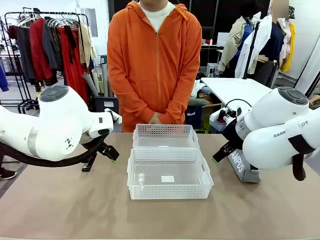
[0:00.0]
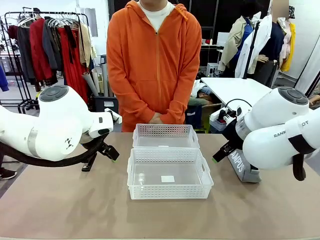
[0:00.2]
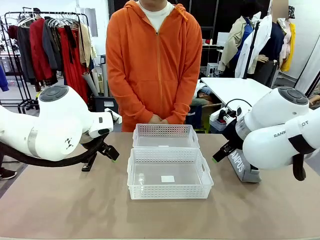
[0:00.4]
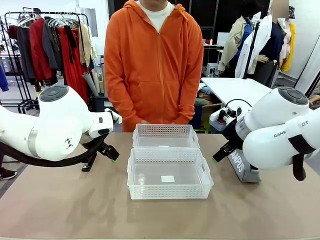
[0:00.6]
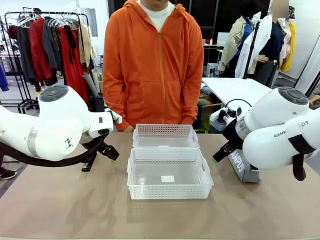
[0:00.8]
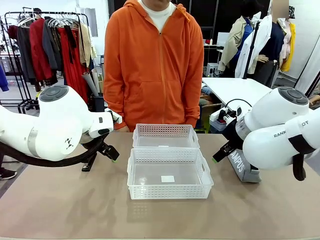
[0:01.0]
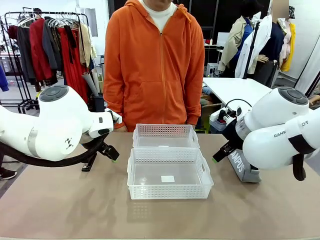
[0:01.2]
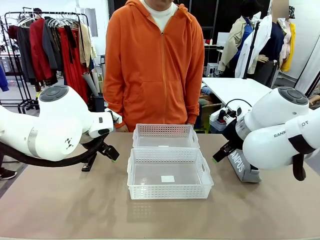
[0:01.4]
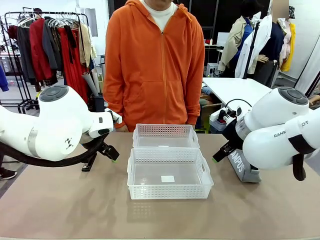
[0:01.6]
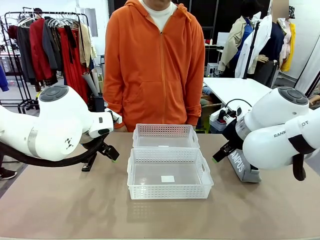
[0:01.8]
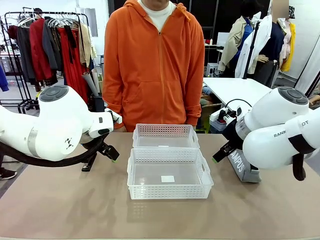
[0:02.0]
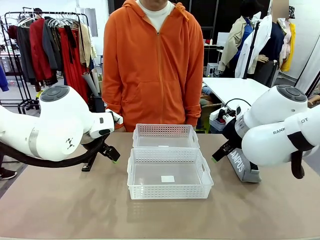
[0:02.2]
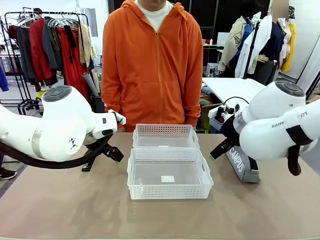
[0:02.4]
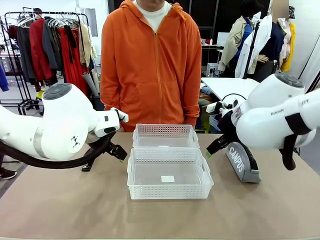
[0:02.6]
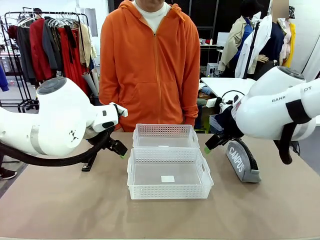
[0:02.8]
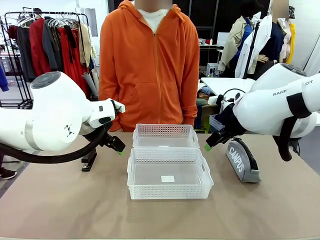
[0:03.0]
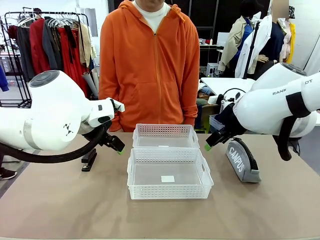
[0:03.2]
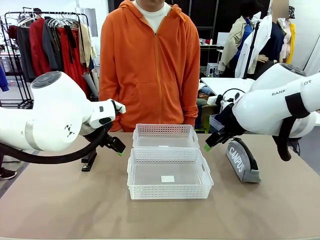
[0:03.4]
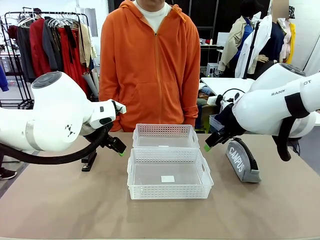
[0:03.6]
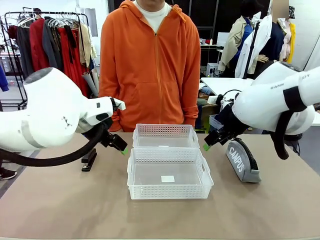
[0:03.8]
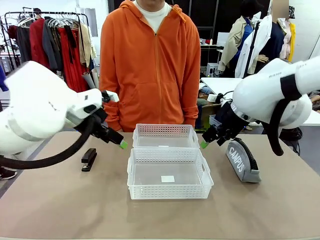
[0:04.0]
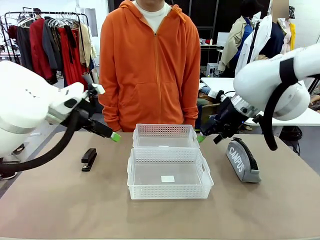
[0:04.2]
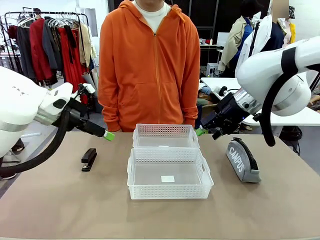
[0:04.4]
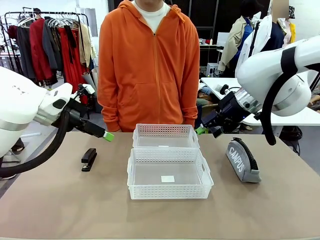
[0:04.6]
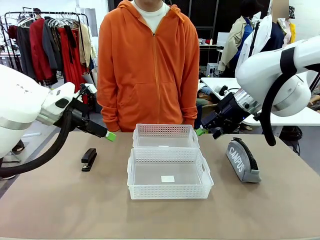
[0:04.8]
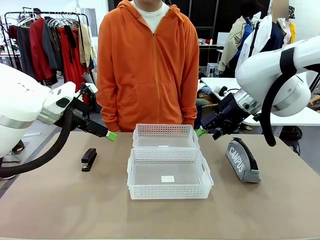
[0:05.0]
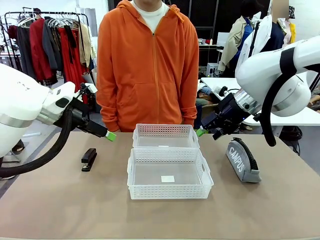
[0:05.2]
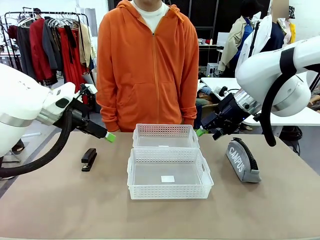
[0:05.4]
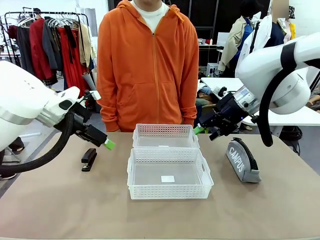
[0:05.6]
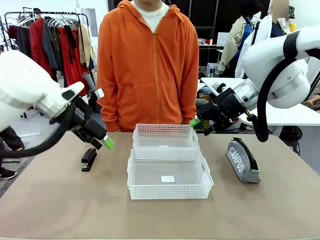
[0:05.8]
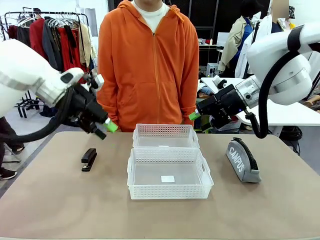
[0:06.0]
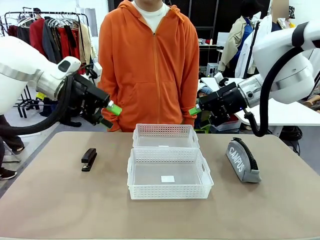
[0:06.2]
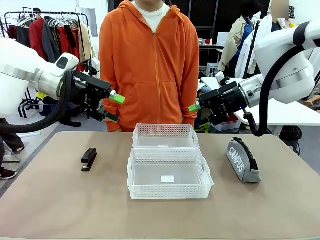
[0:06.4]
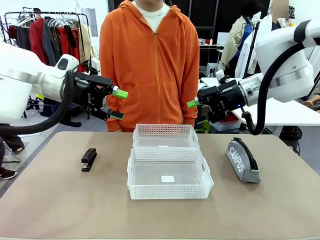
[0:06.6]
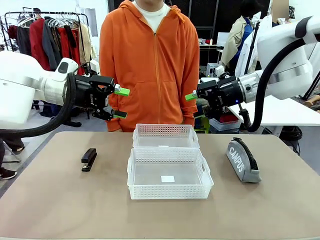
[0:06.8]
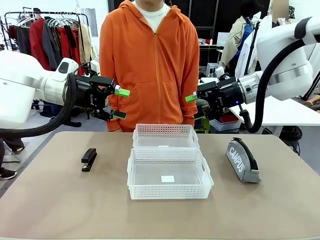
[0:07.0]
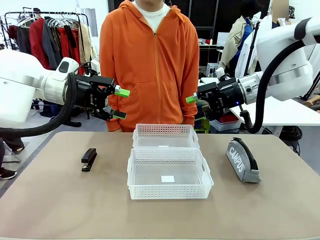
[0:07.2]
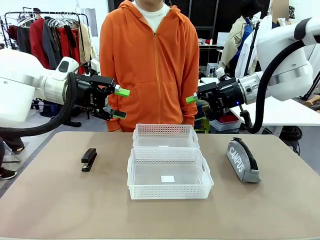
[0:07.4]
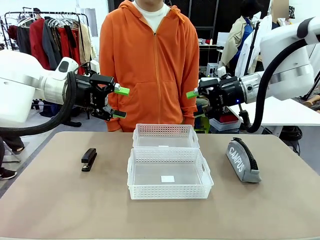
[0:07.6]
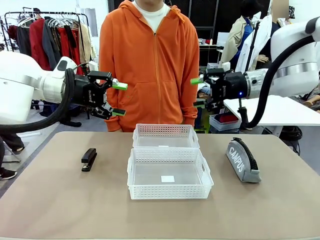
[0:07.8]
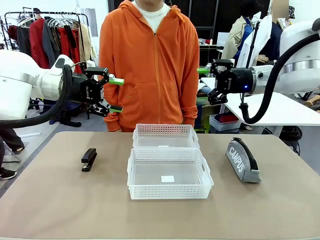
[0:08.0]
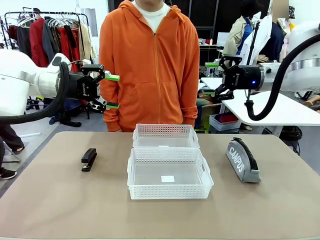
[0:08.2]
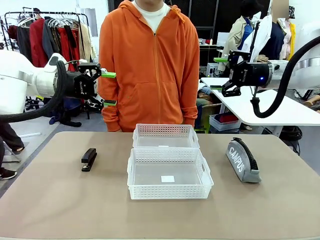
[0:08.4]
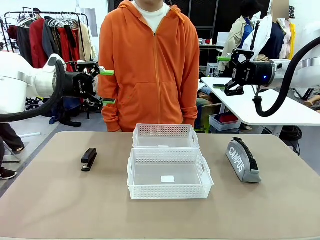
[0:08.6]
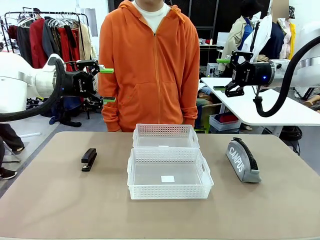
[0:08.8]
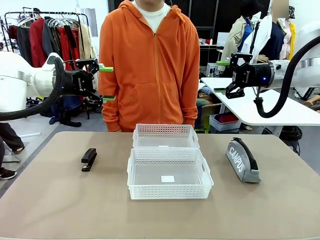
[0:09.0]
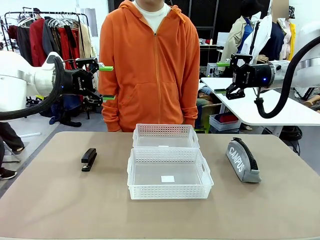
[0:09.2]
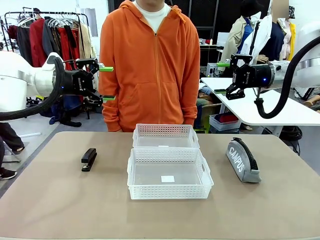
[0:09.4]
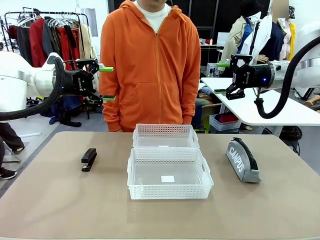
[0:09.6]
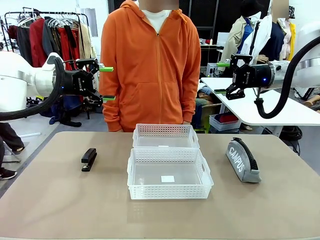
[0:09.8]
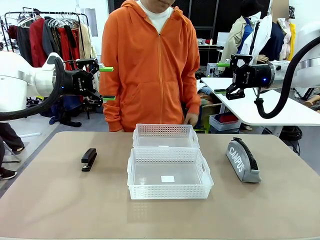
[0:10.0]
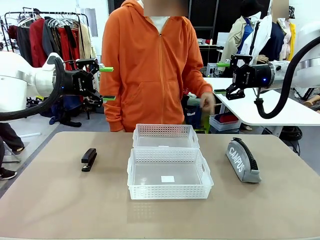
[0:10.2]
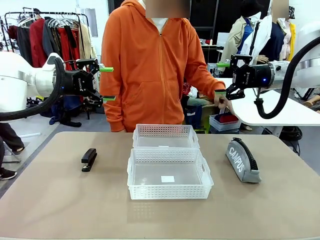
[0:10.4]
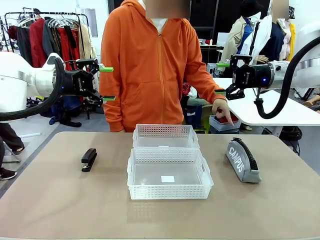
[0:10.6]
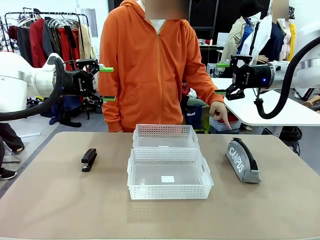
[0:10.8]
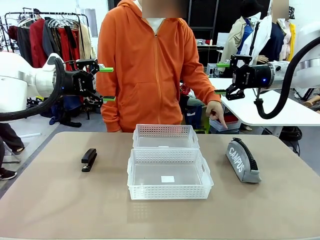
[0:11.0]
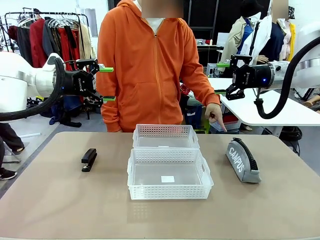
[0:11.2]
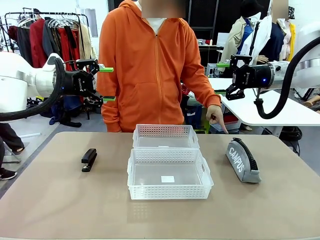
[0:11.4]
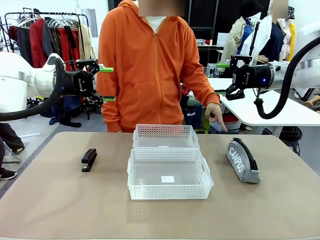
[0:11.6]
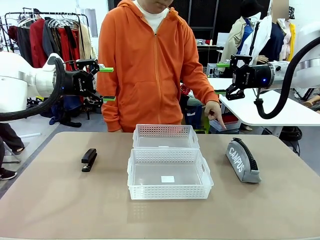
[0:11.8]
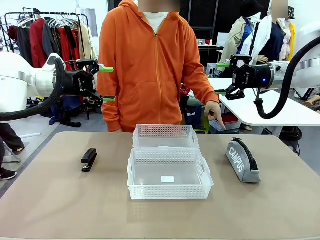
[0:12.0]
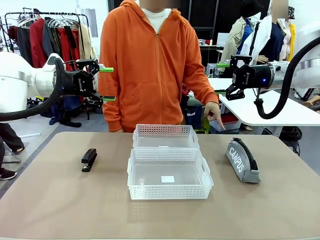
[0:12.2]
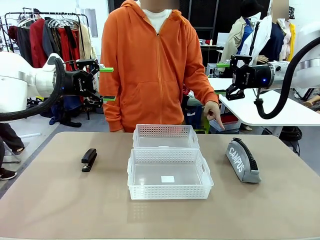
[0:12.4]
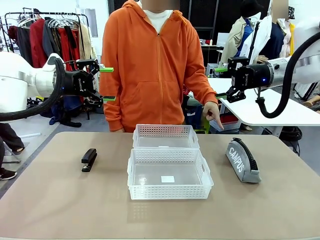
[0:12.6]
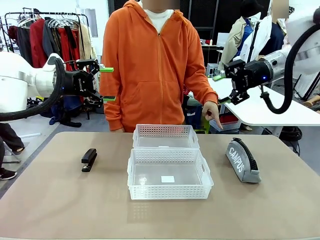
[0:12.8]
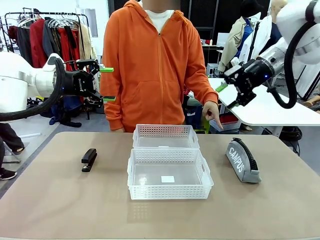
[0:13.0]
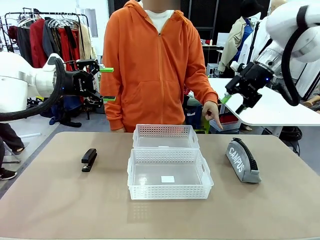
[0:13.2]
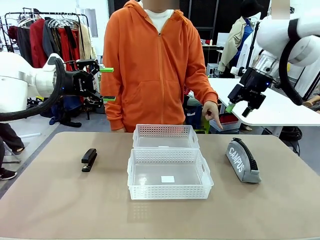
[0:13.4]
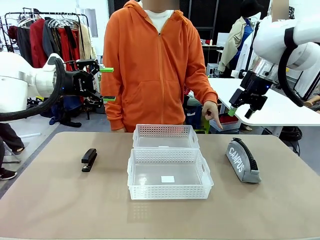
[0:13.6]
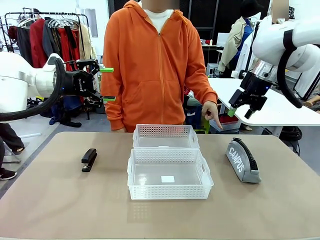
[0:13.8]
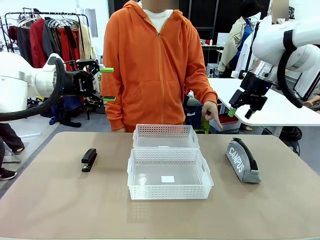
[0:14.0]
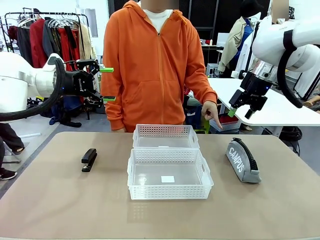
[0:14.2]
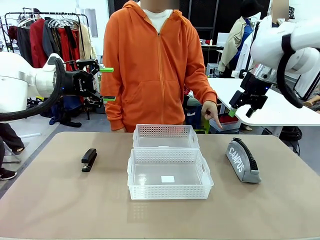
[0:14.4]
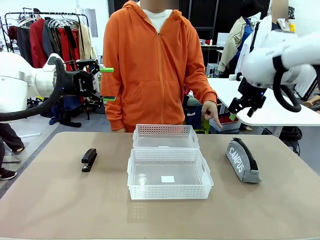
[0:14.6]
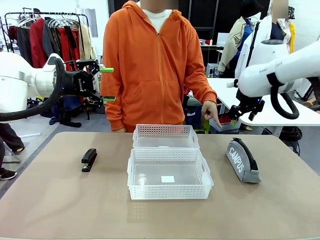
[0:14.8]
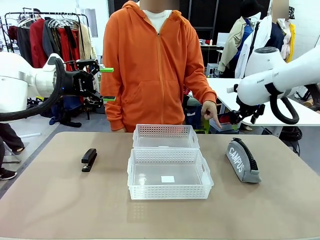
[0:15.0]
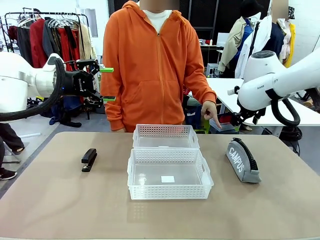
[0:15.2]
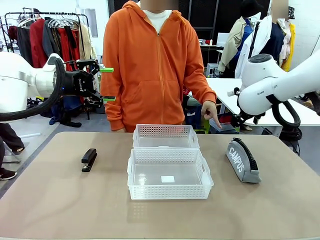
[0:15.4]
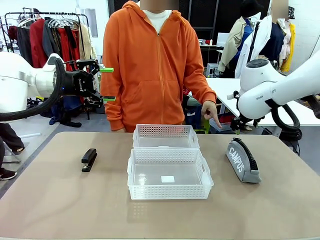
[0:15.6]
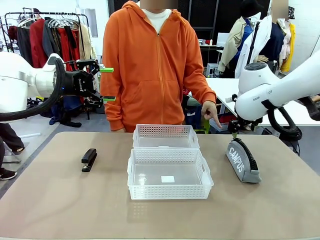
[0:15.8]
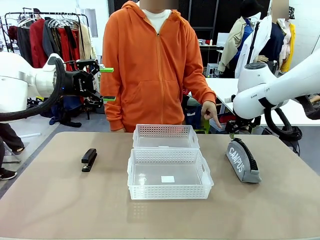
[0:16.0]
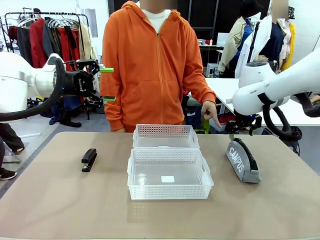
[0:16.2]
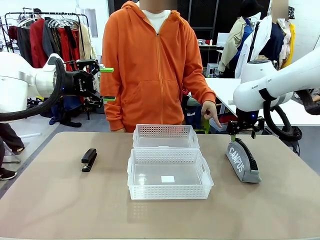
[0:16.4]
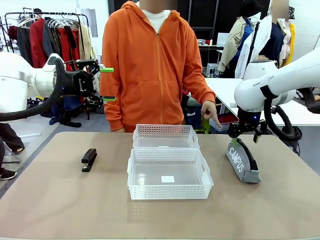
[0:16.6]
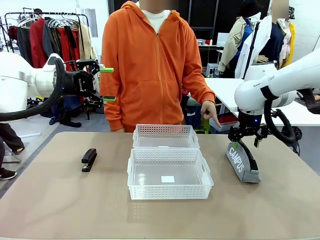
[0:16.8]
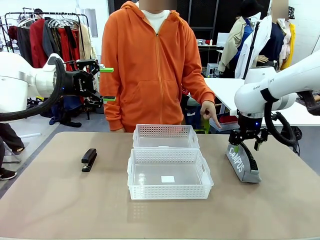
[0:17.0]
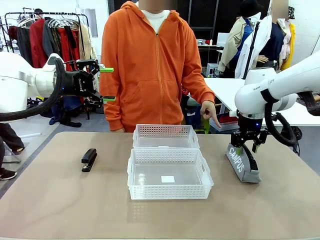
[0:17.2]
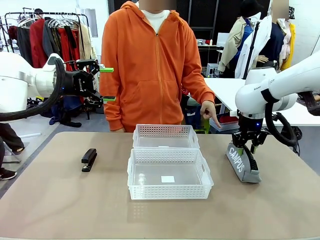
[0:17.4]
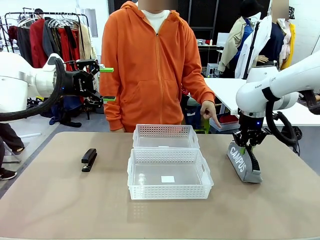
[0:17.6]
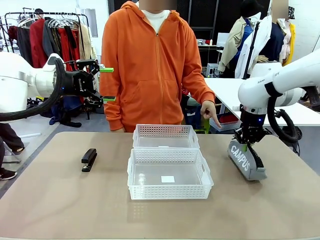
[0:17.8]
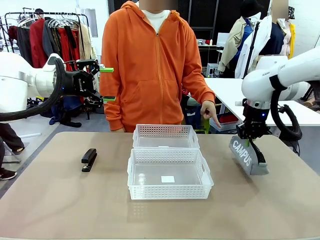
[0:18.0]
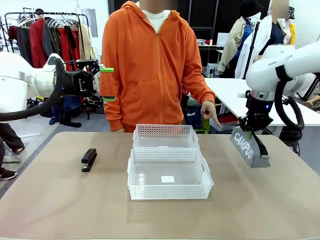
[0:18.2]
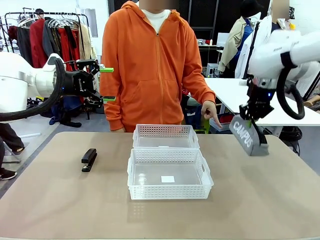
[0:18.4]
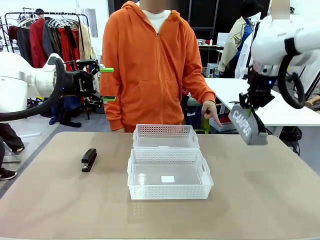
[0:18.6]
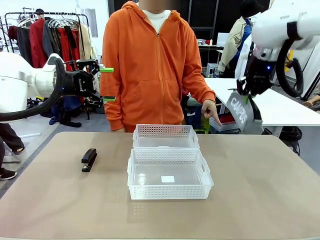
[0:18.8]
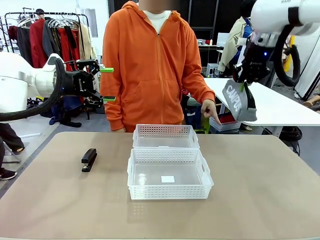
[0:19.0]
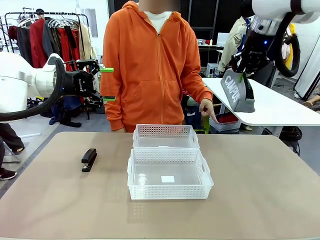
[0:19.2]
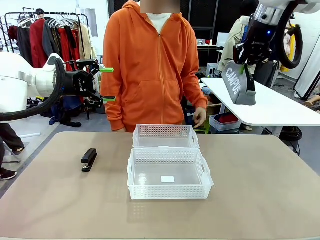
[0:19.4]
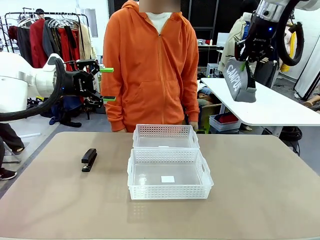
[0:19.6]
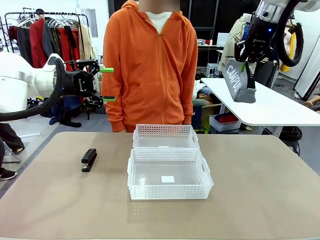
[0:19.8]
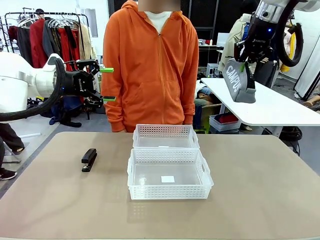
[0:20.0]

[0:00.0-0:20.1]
Task: Distribute items into two baskets.
Robot: Pick up the Pencil pouch that the person points to.
Person: Points to the pencil case. Points between the two organizing baskets and instructs the robot to move the pencil case.

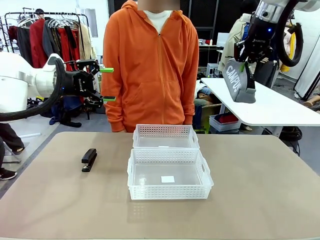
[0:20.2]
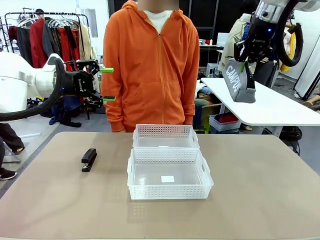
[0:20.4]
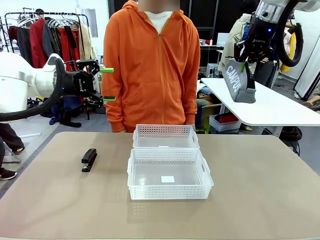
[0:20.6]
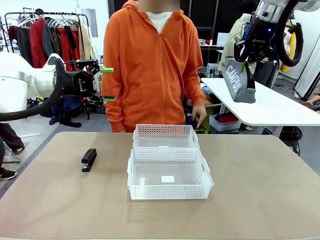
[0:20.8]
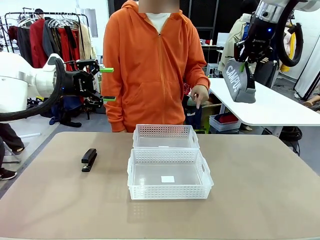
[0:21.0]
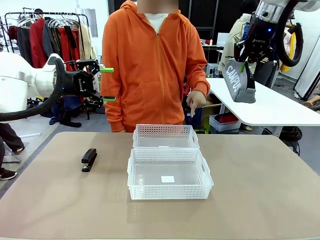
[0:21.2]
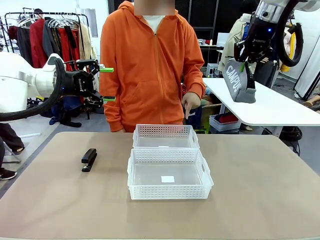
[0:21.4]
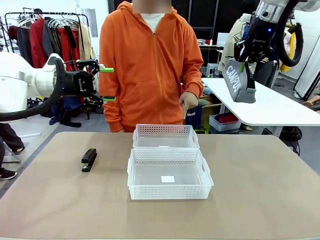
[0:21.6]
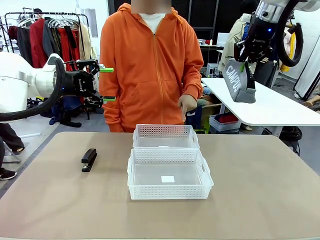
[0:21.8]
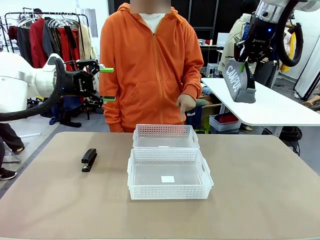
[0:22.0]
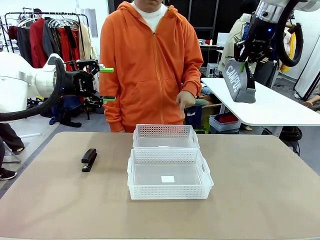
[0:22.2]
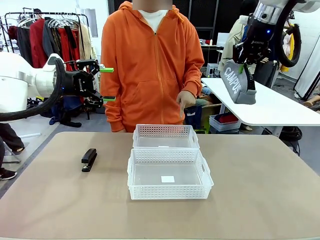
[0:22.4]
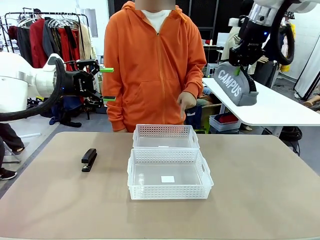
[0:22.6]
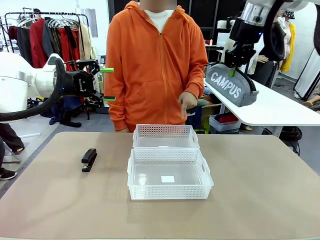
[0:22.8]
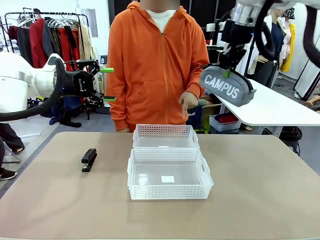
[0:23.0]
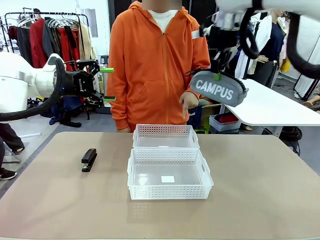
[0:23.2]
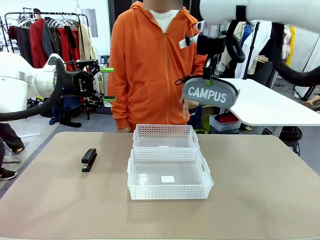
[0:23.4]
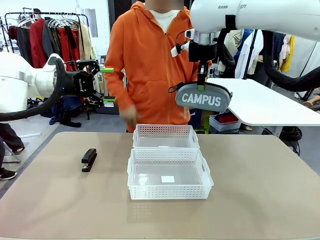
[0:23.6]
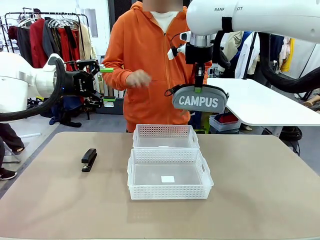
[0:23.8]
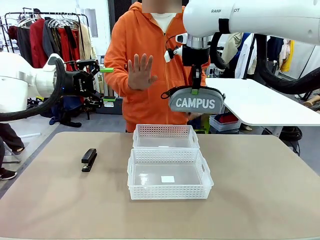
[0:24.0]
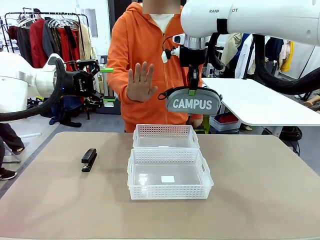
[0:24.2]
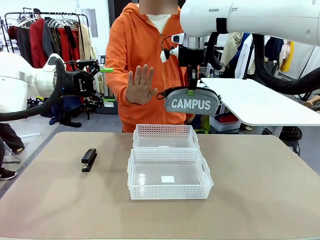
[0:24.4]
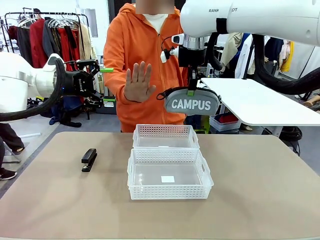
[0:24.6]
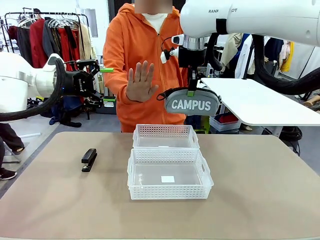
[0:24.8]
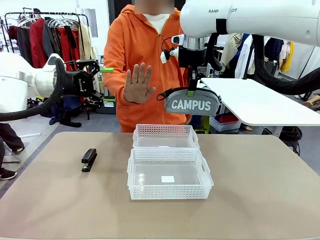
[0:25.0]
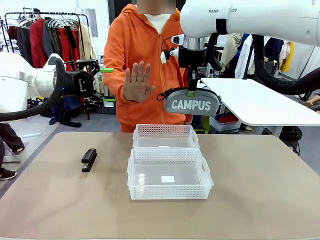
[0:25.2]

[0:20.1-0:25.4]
Robot: Move the picked Pencil pouch towards the Organizing basket indicated by the person, stopping as directed.
Person: Sends a stop gesture before the robot places the pencil case into the basket.
